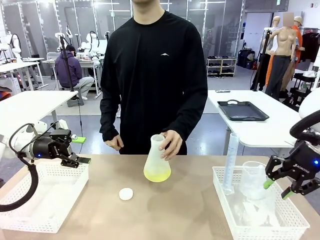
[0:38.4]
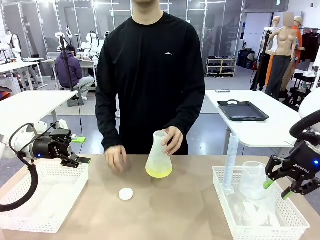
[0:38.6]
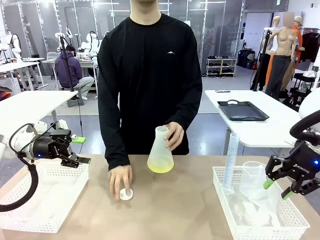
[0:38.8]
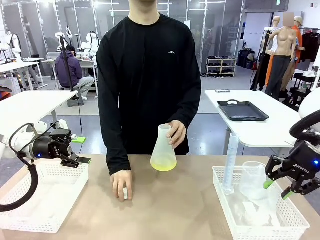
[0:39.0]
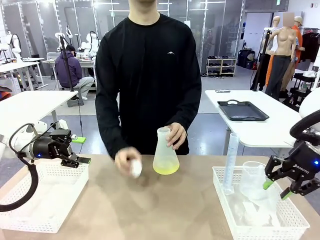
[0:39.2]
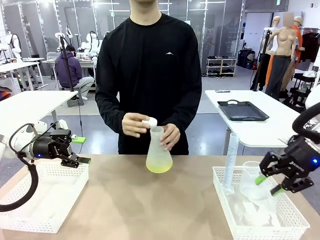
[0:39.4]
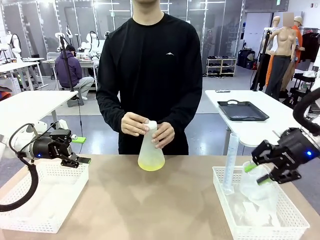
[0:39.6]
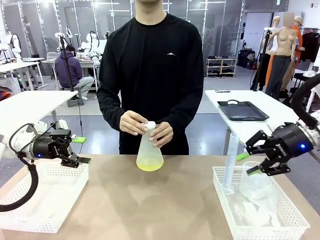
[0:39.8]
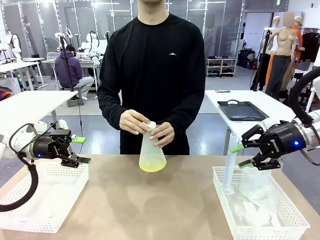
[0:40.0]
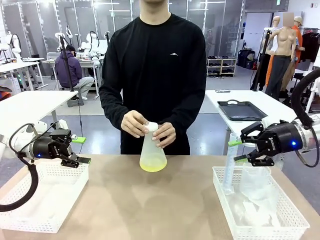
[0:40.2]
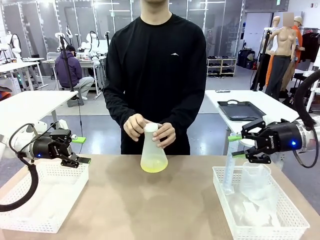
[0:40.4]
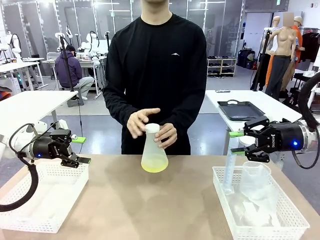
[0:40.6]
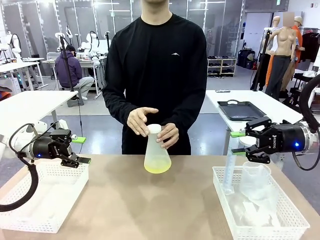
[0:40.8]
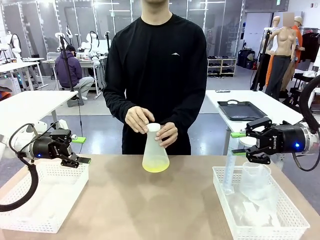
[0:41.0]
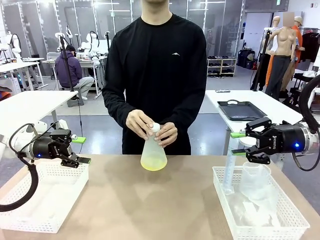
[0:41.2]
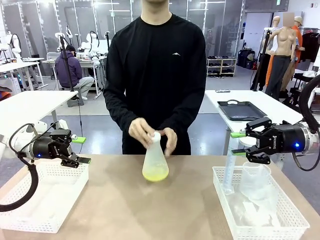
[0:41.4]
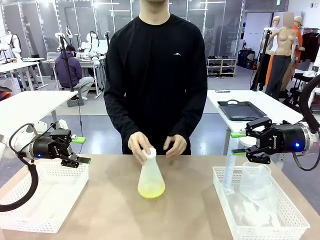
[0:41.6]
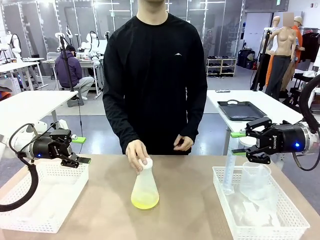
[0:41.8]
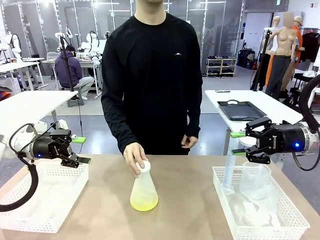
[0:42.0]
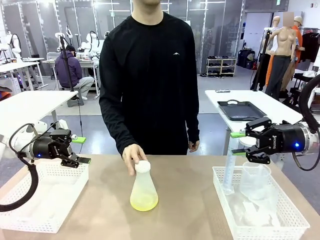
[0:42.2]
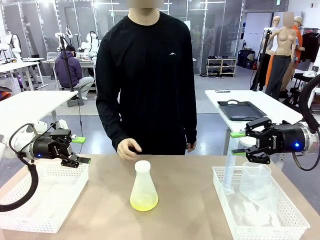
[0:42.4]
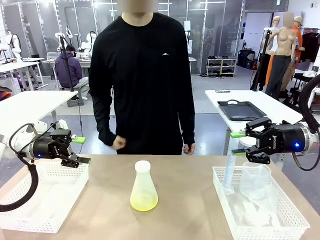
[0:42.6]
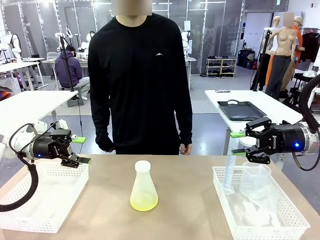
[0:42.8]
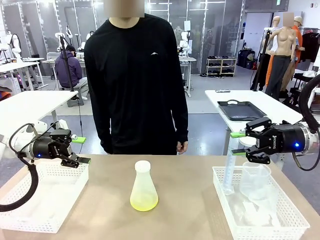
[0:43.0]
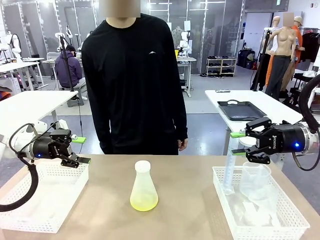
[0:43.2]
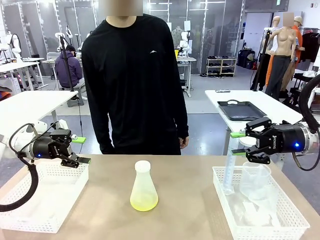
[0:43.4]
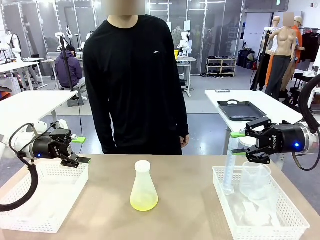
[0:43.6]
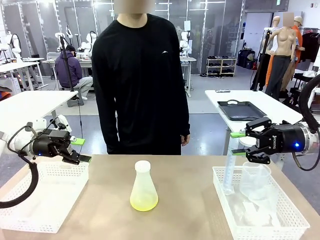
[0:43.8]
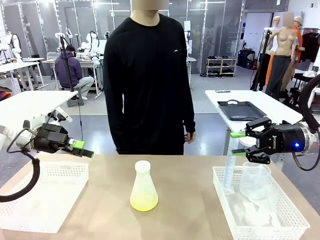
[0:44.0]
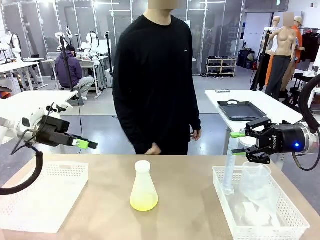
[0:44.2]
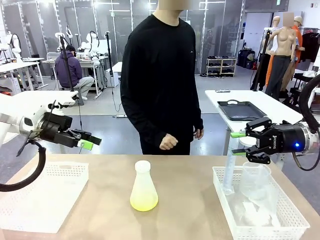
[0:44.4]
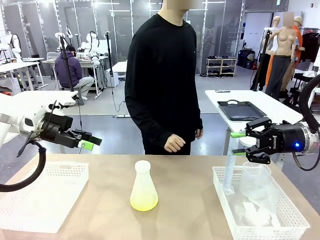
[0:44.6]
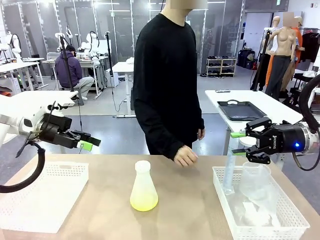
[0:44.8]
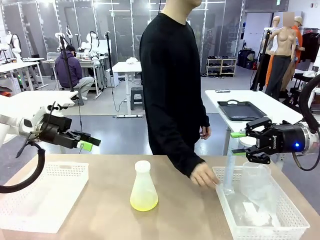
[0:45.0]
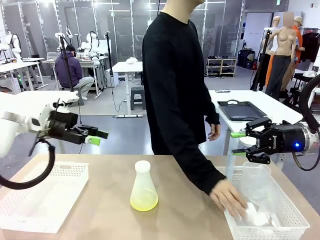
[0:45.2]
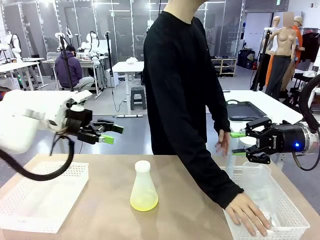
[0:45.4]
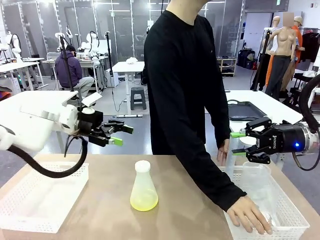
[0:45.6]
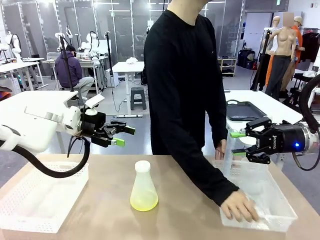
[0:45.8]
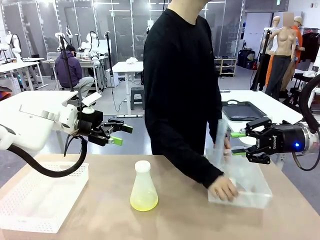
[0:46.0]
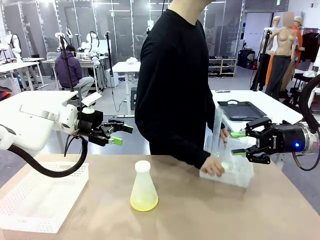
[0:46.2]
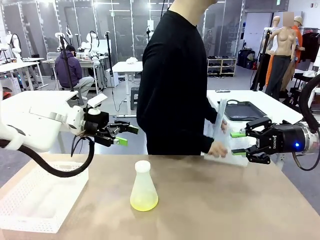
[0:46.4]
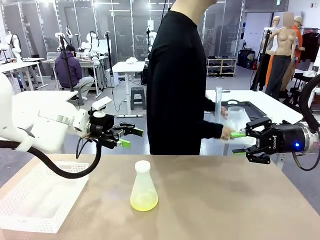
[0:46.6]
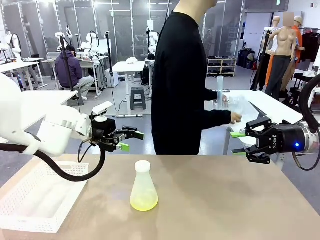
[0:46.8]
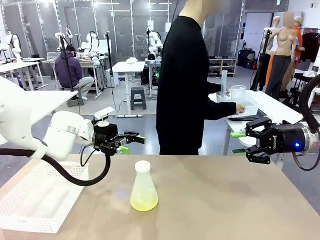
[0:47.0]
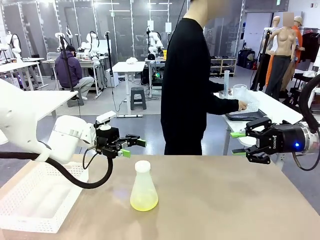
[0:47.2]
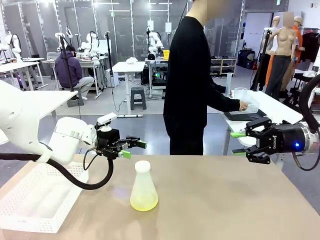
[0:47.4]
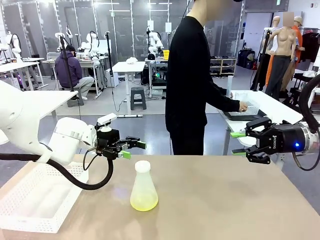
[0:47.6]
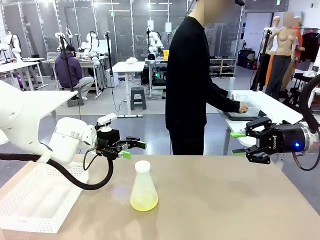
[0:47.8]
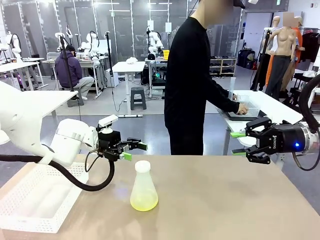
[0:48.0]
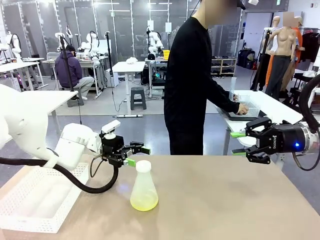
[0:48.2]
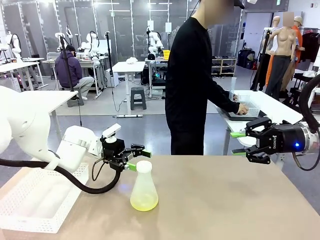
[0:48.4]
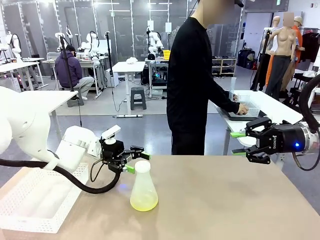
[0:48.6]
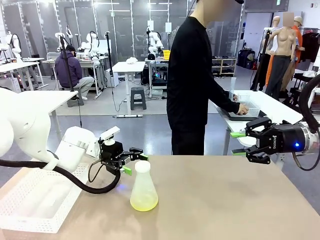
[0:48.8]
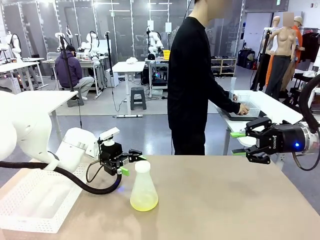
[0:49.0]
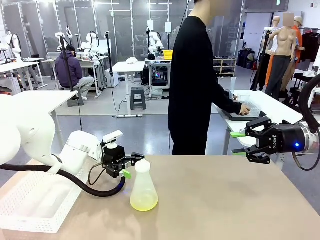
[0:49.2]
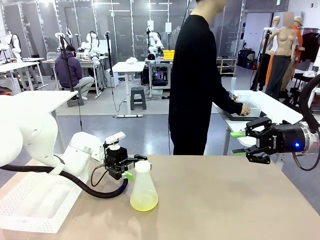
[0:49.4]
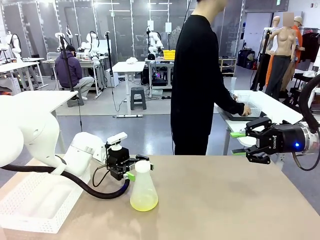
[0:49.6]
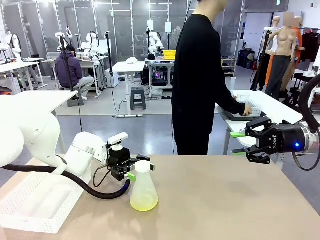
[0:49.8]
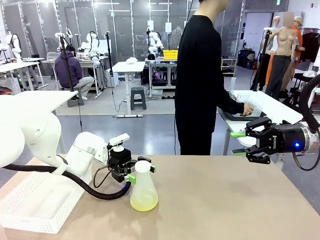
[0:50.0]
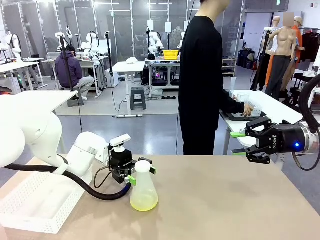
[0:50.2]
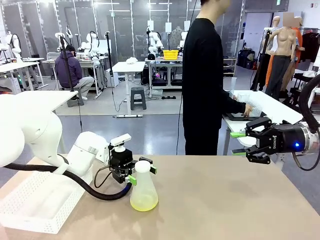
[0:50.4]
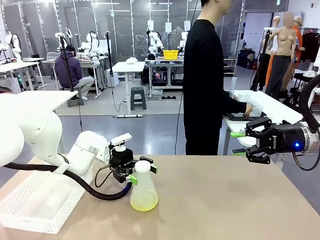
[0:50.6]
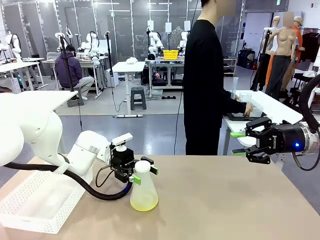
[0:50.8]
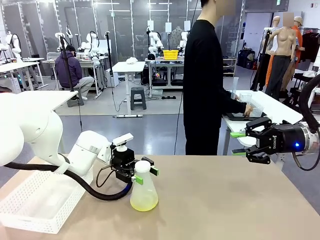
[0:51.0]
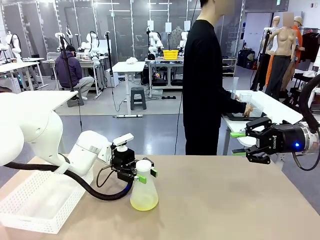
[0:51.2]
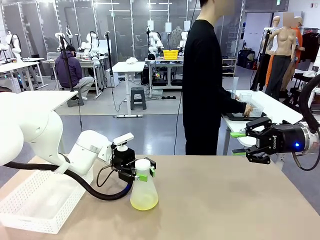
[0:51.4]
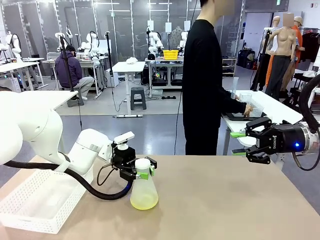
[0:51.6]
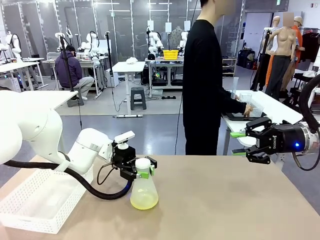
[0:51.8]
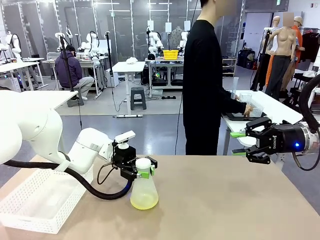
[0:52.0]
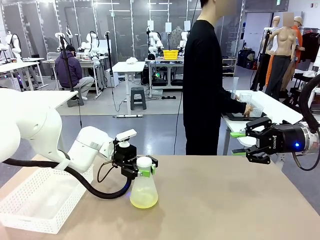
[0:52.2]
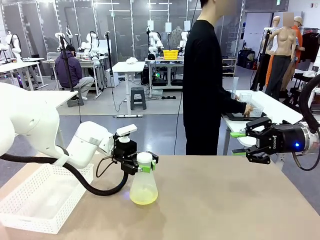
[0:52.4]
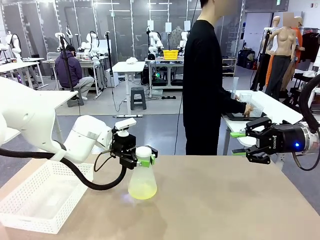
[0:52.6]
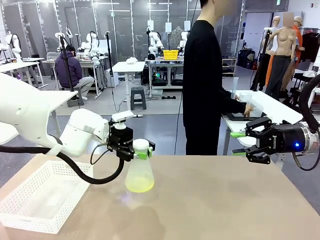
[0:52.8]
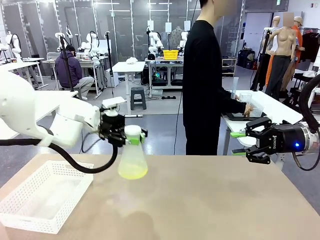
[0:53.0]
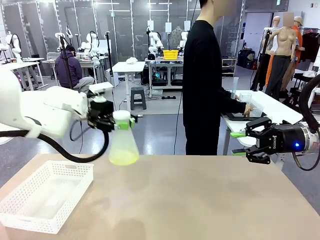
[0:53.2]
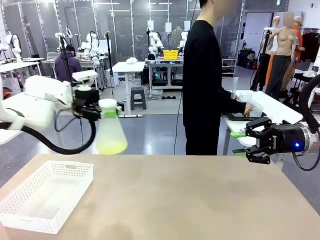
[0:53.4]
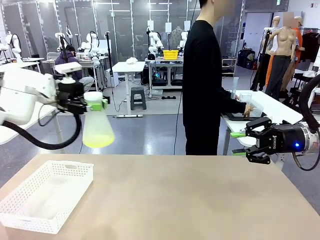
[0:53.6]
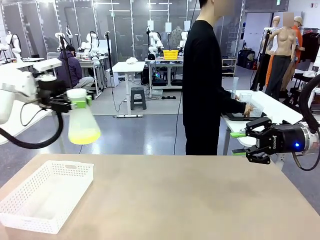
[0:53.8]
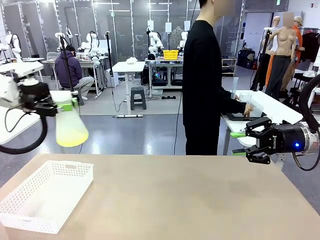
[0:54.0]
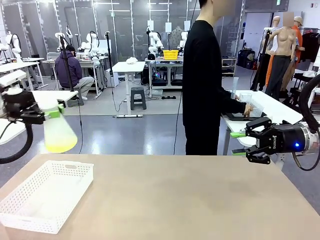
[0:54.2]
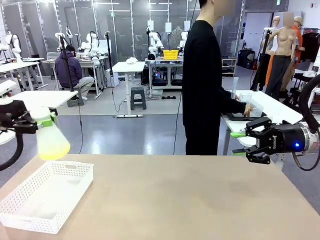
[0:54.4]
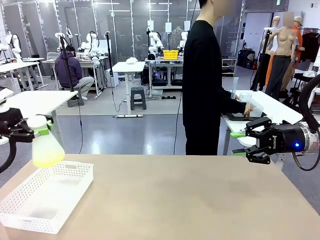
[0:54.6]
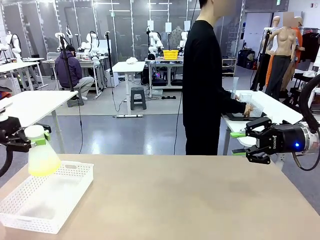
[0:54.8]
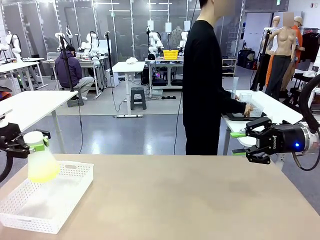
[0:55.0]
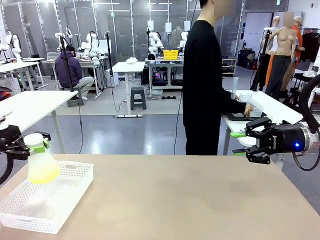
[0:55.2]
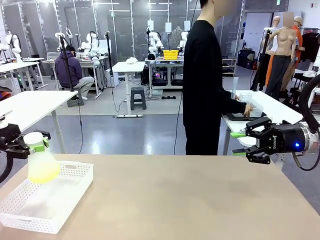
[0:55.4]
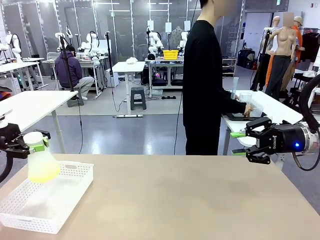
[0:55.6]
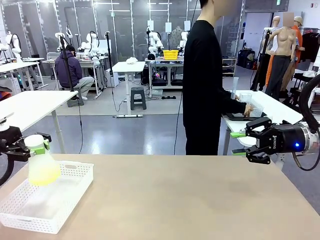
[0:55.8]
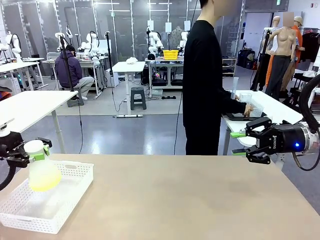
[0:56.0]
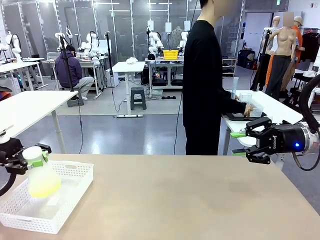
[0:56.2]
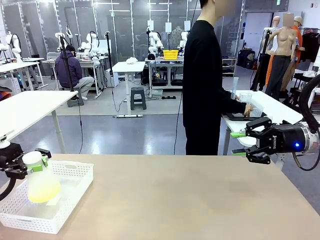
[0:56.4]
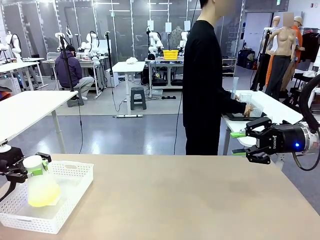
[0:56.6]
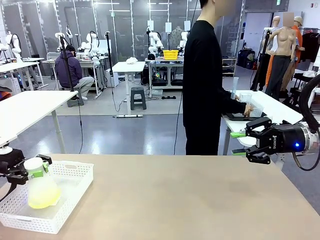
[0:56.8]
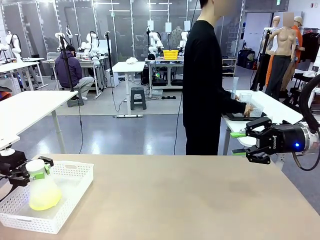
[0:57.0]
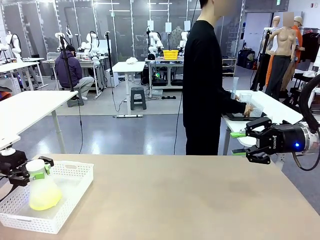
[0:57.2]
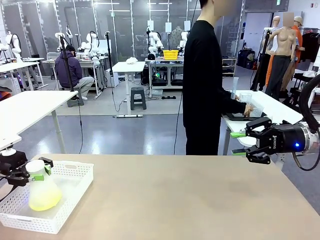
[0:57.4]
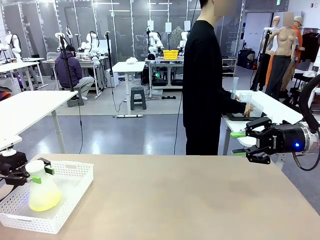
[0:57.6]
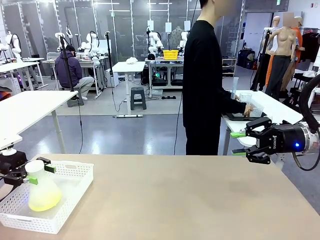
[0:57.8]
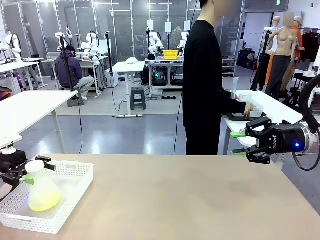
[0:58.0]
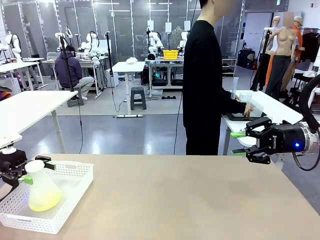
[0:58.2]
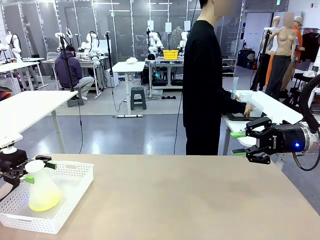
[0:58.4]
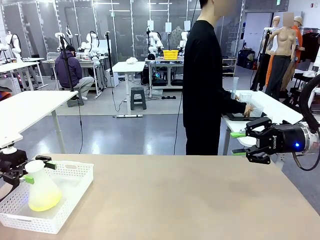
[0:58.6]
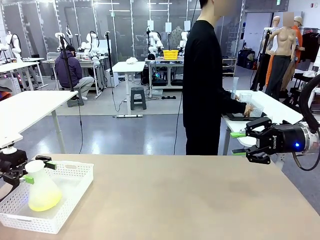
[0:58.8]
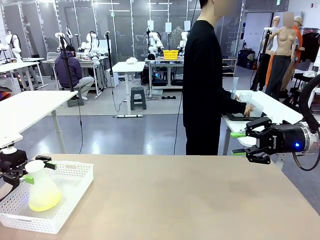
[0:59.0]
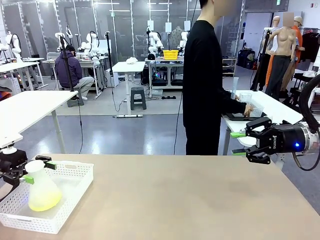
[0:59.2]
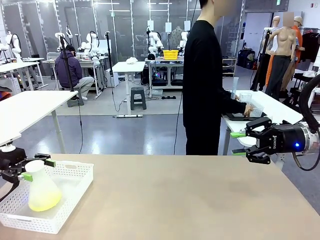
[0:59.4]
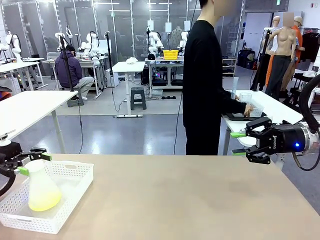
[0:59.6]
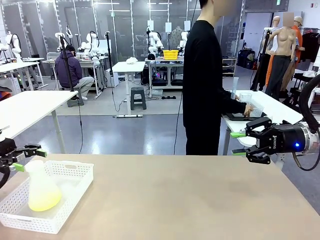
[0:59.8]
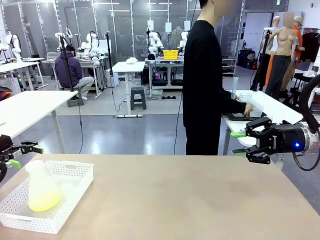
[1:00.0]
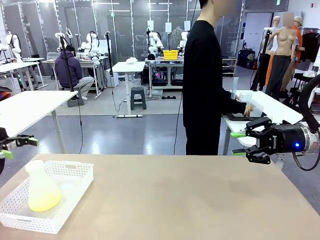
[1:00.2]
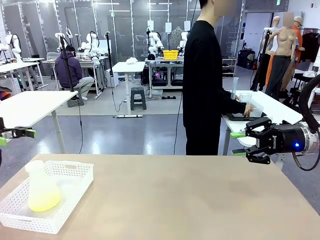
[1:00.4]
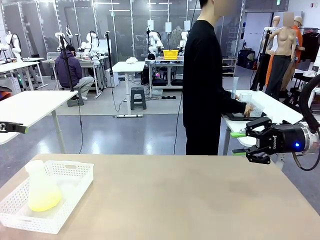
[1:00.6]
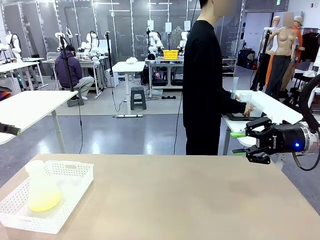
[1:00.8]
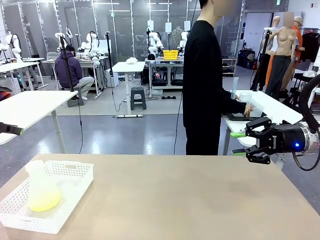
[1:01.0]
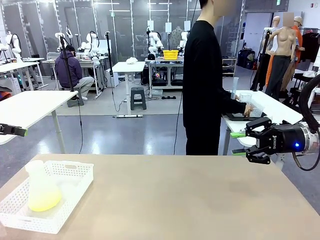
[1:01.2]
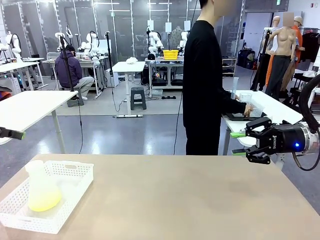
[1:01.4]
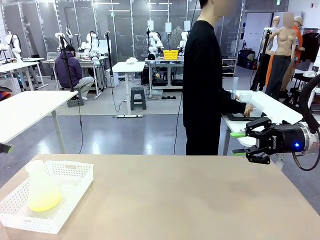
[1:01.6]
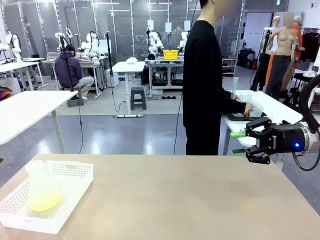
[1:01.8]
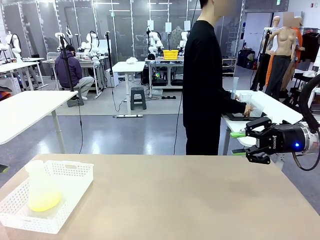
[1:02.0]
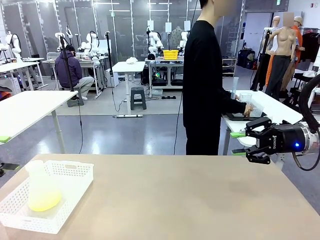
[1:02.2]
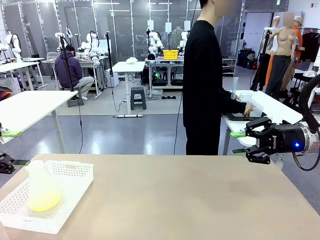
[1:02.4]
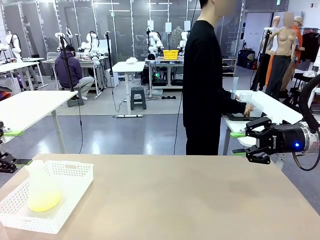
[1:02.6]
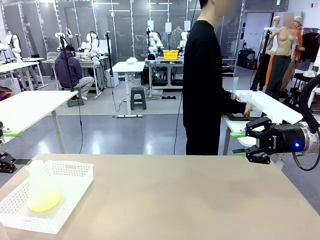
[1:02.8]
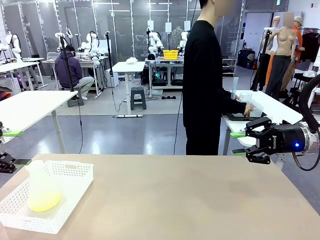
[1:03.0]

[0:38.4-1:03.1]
Task: Prepare the solutions needed for the experiment.
Robot: When the human places the Big flask in the center of the table, pick up the Big flask and place it in the left Organizing basket.
Person: Pick up the organizing basket on the left side of the robot table and place it on the left side of the human table.
